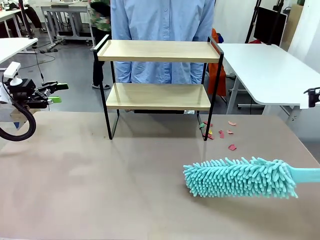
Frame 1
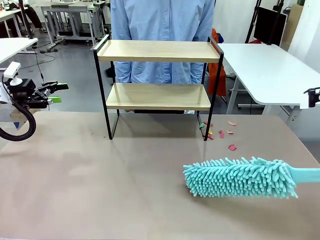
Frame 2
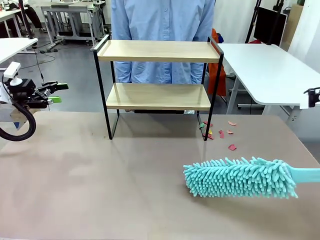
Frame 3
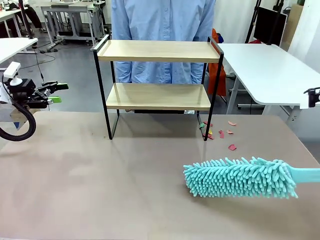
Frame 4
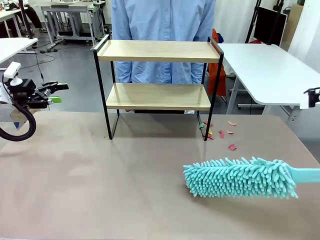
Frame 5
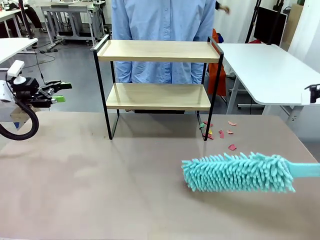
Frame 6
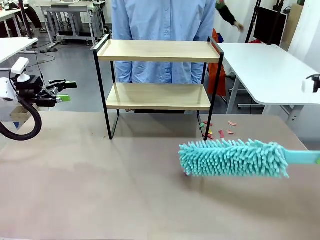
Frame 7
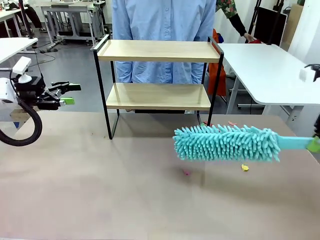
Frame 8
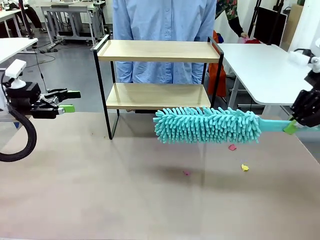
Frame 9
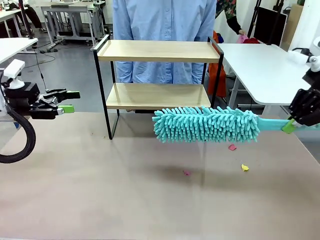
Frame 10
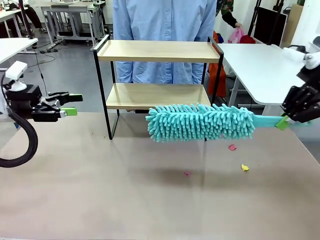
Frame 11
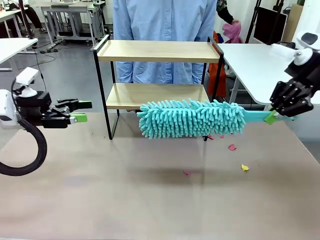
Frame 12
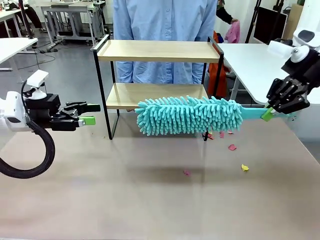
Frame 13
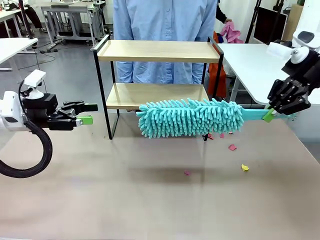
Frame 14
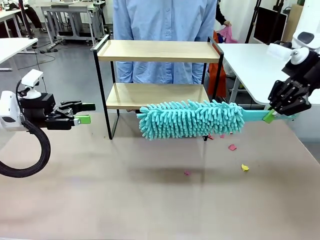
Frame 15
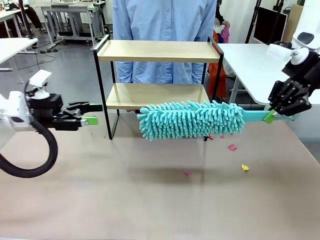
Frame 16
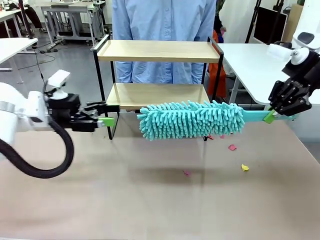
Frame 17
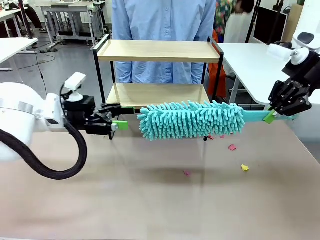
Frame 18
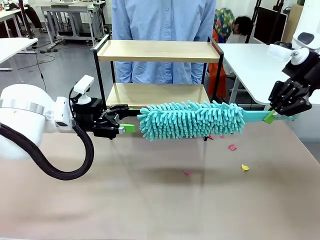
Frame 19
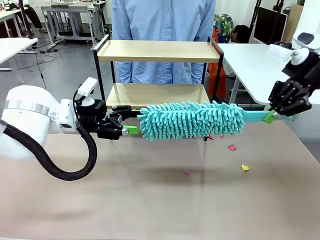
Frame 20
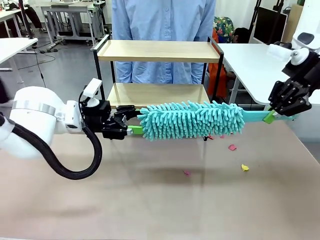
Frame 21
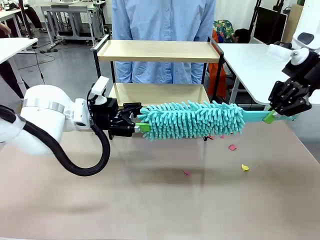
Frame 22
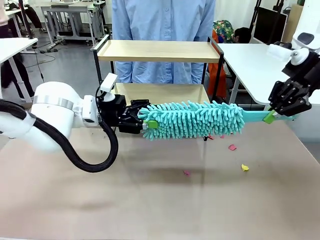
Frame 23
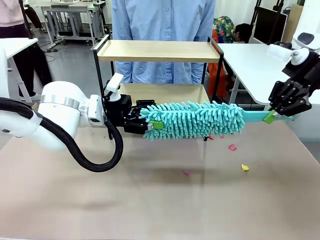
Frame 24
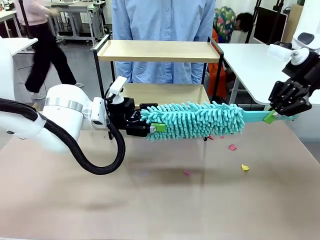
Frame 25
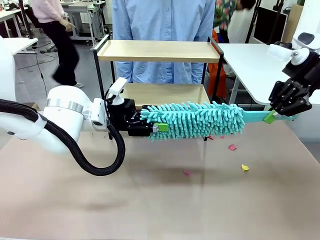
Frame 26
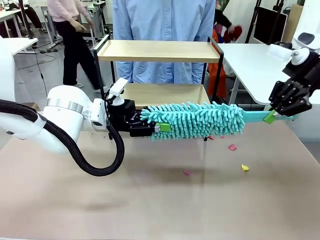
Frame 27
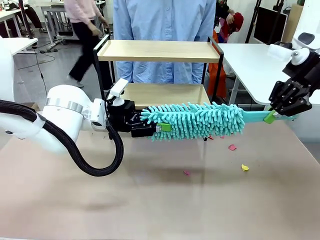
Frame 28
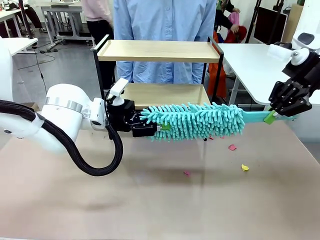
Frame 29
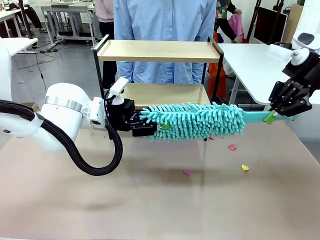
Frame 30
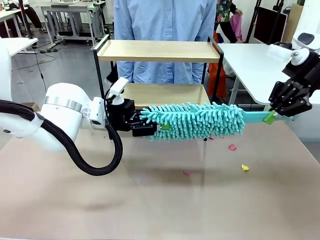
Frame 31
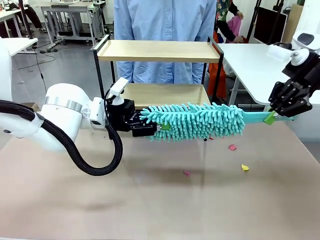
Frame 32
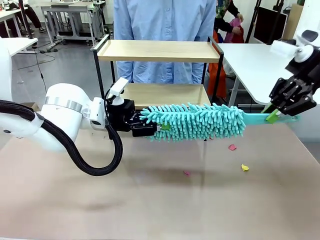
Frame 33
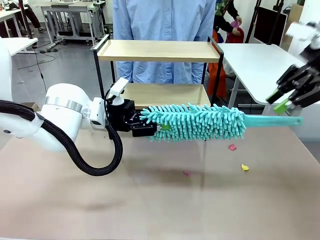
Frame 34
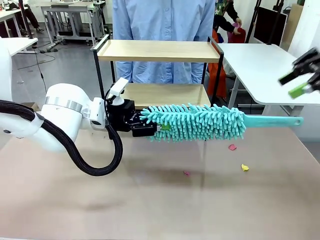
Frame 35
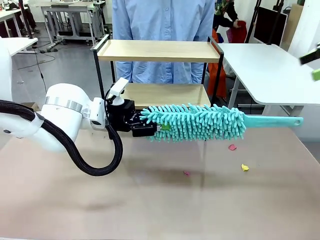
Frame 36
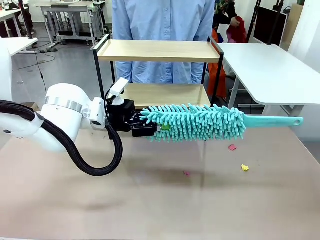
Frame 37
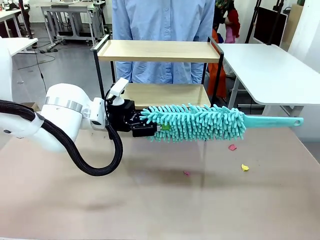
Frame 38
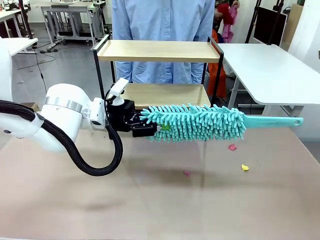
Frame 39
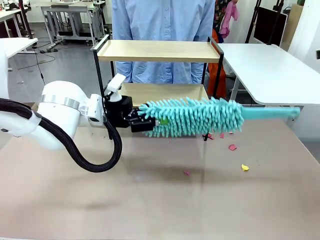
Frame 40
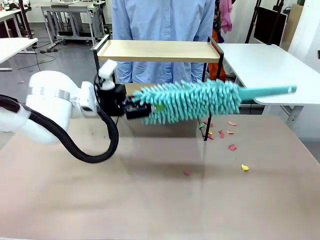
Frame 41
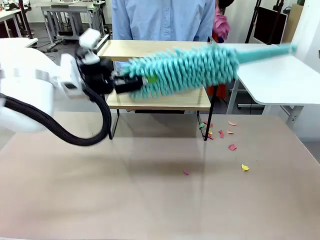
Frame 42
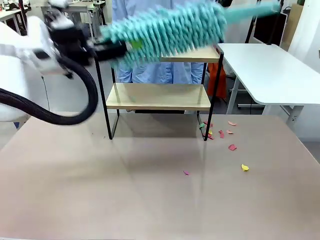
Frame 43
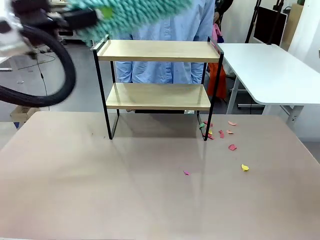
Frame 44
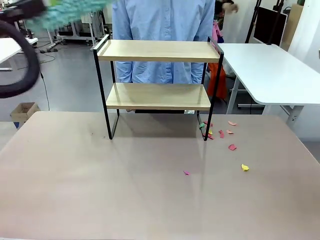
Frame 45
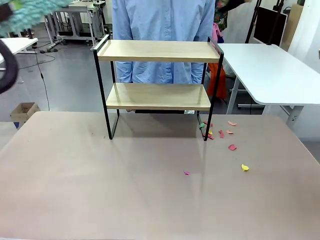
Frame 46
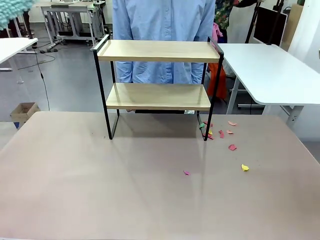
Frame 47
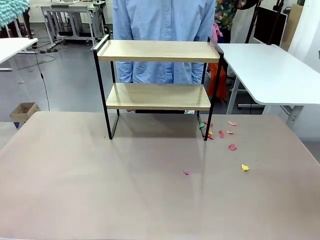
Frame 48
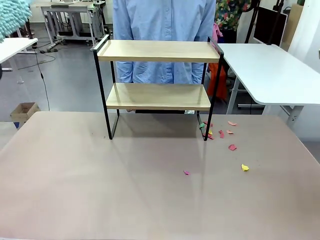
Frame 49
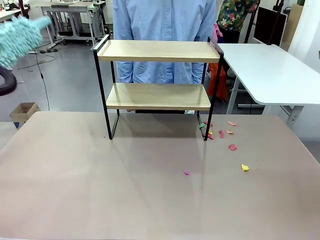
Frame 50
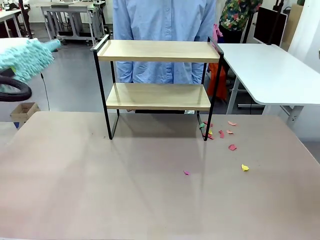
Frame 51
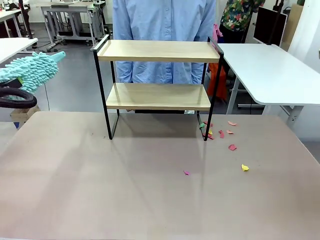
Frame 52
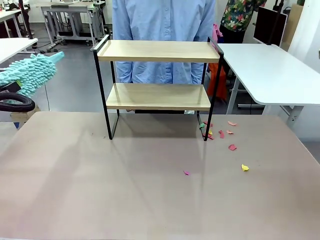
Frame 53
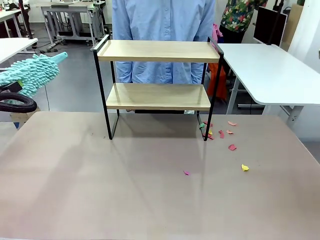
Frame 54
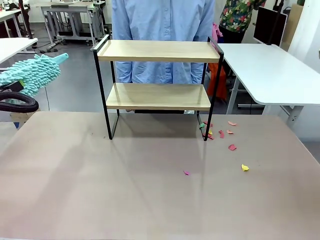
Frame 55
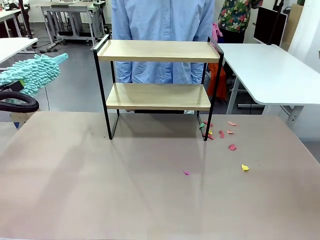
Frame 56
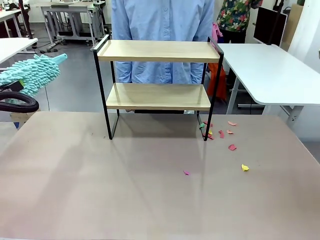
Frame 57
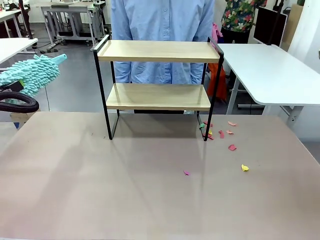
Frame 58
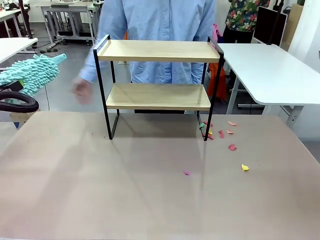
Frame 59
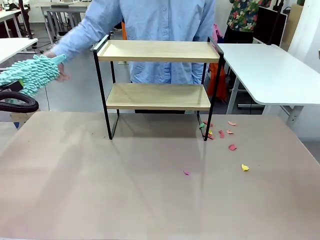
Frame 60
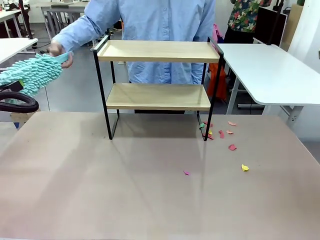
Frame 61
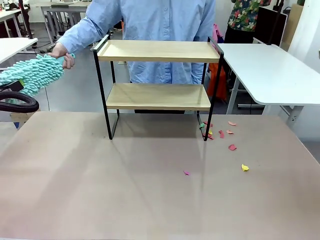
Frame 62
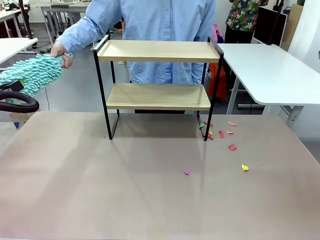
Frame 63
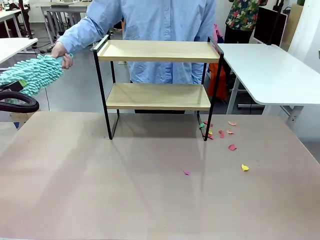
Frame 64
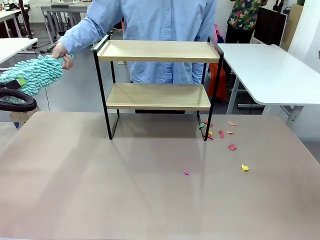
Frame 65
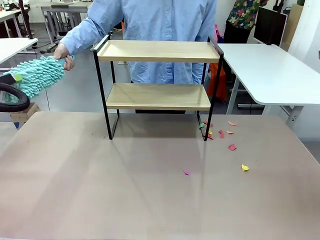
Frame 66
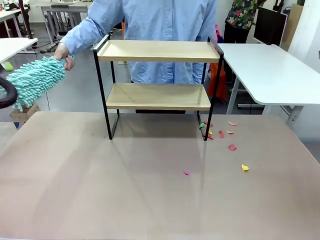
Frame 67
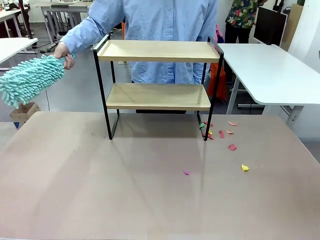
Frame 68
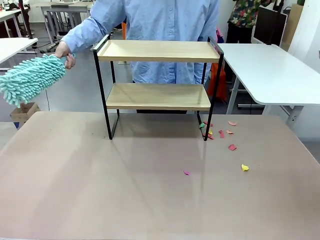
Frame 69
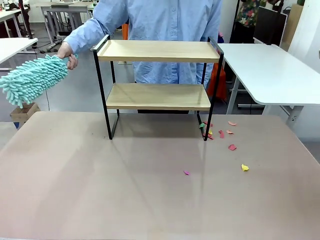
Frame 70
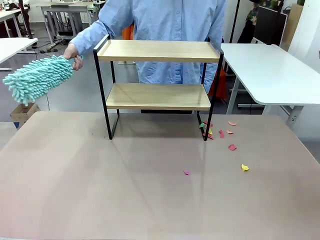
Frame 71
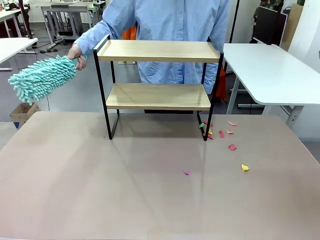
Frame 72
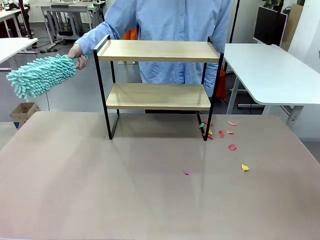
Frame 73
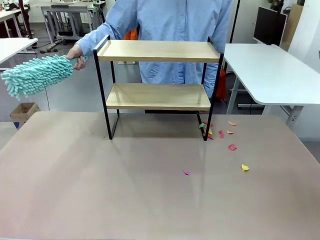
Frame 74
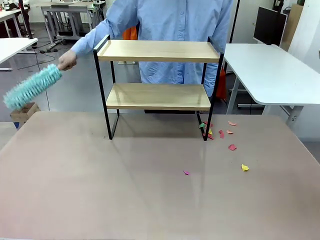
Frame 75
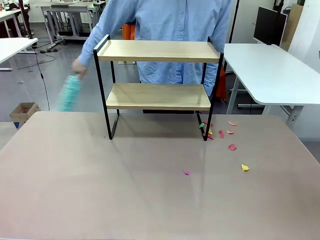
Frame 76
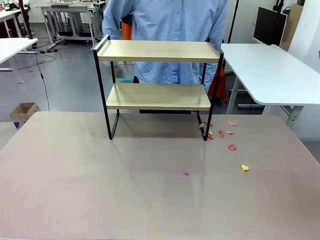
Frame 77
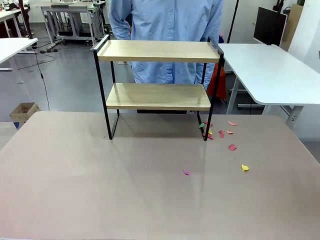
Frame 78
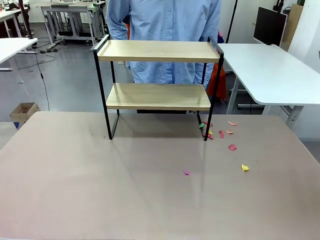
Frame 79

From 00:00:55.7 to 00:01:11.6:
Task: Clean the shelf.
Robot: Hand the Duster back to the human.
Person: Receive the Duster from the robot.

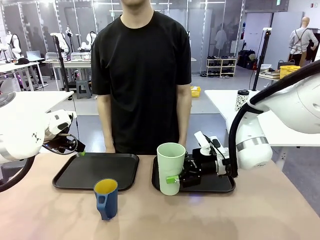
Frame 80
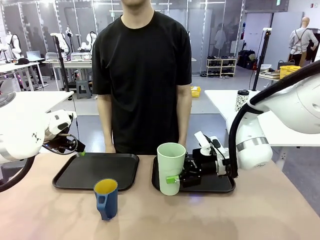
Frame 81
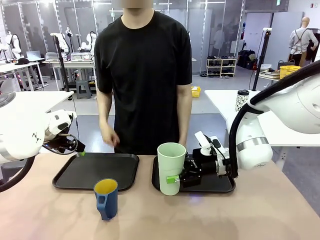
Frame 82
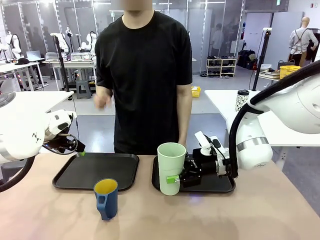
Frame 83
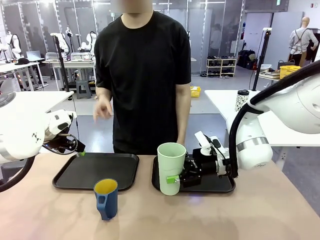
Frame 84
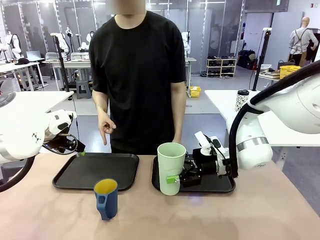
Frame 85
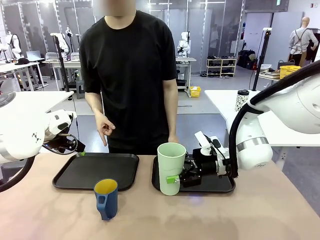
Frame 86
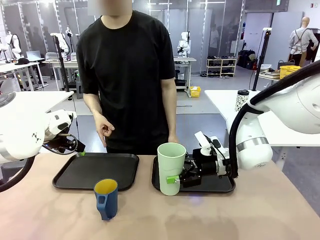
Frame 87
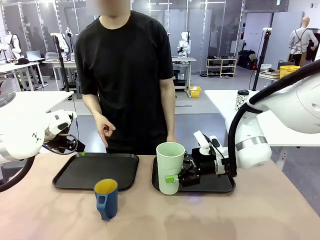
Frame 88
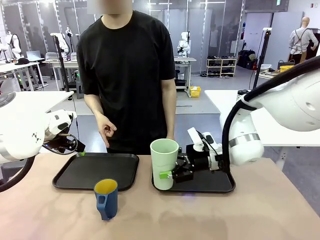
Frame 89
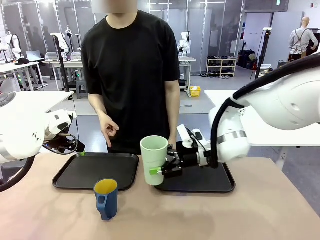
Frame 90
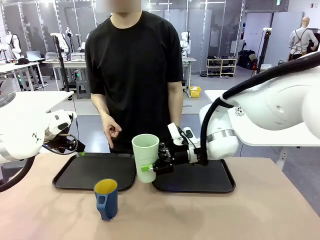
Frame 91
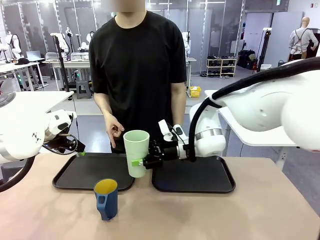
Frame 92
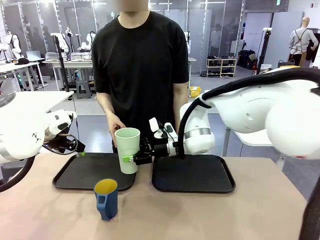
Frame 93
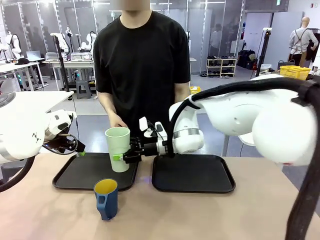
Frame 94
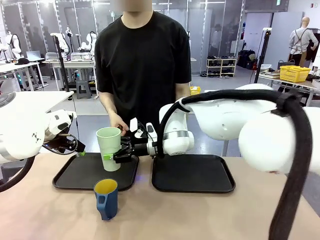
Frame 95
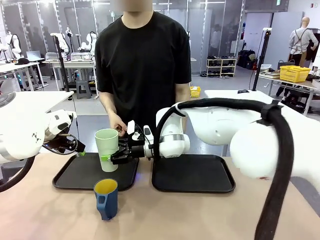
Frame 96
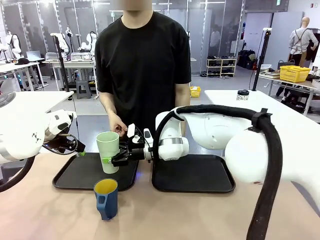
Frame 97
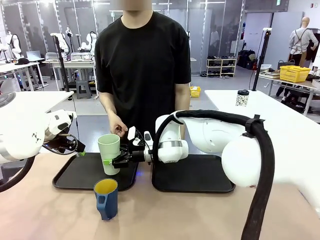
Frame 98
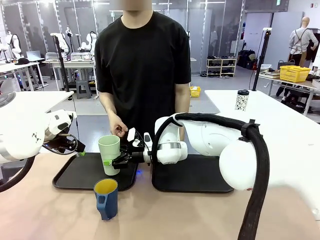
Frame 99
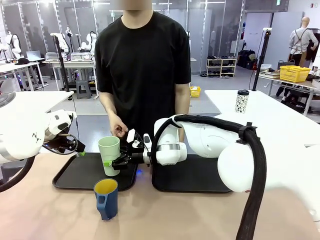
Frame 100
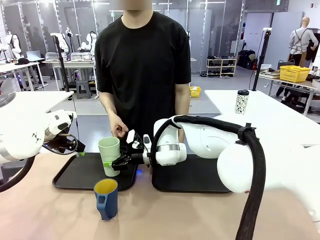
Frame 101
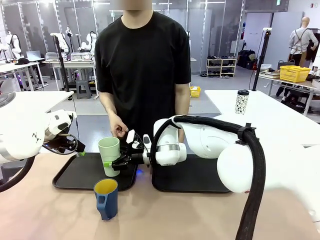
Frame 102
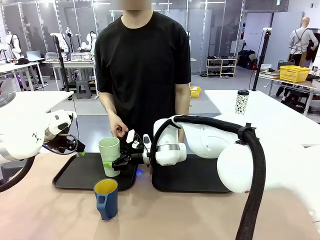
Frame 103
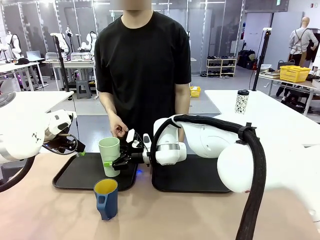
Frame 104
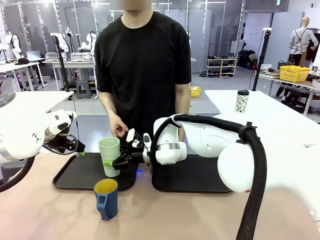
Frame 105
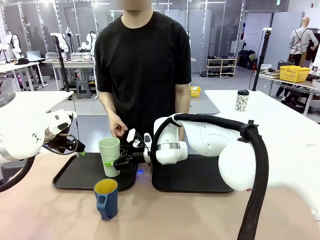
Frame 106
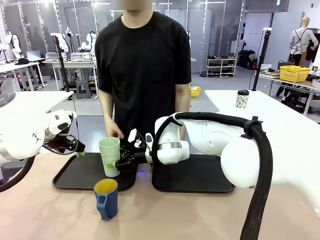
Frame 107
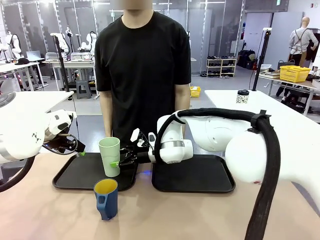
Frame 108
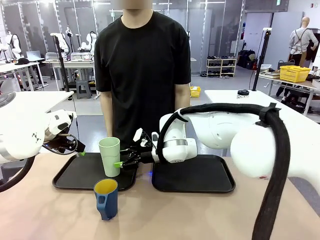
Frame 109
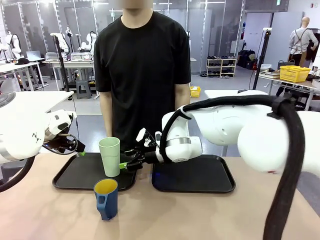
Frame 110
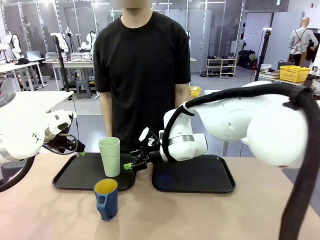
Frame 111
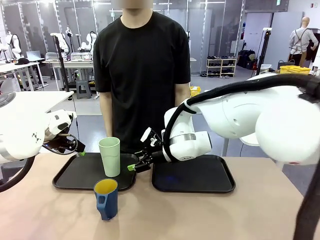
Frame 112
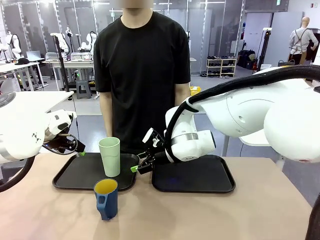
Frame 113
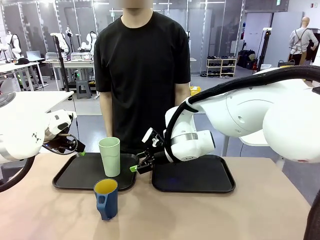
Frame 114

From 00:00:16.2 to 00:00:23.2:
Task: Sort and store the cups by type.
Robot: Place the picked Reusable plastic cup into the Flat Tray indicated by the person.
